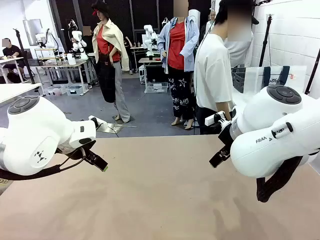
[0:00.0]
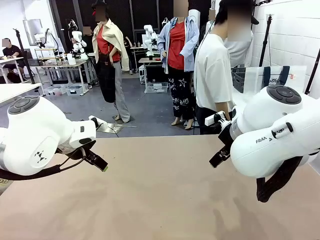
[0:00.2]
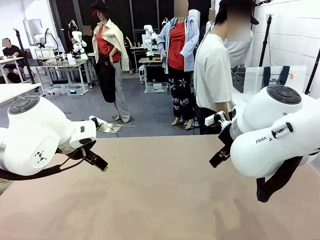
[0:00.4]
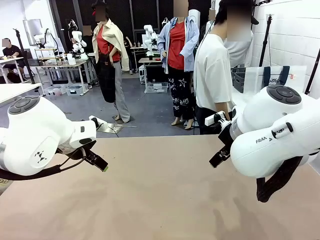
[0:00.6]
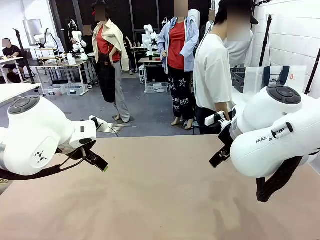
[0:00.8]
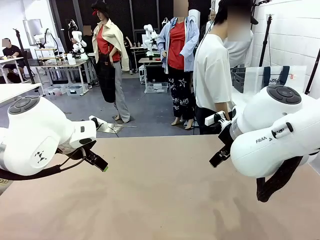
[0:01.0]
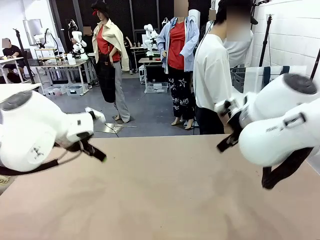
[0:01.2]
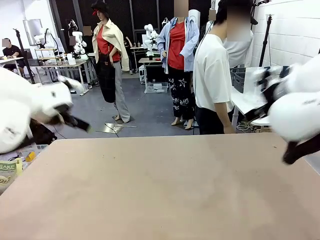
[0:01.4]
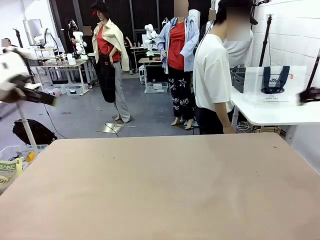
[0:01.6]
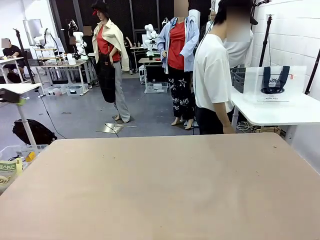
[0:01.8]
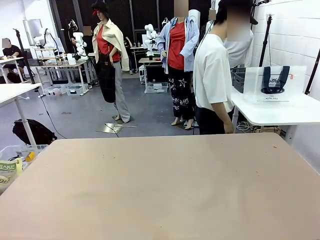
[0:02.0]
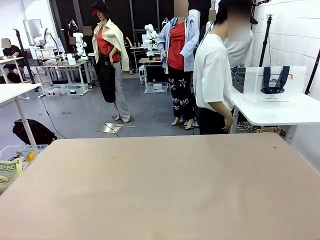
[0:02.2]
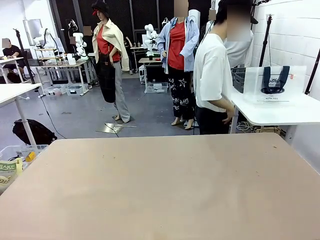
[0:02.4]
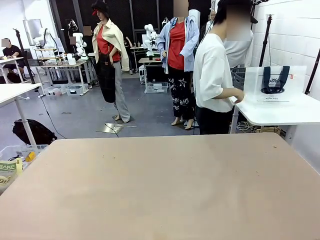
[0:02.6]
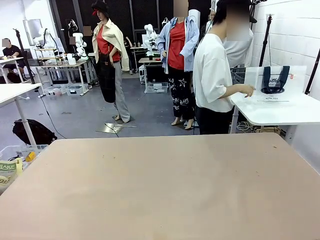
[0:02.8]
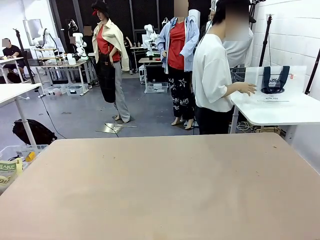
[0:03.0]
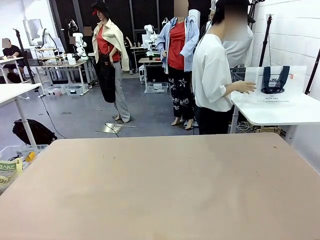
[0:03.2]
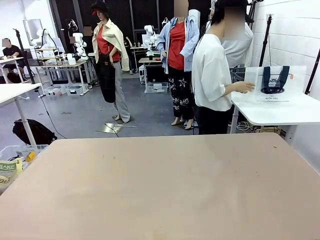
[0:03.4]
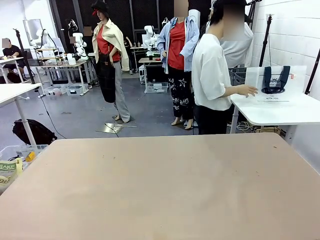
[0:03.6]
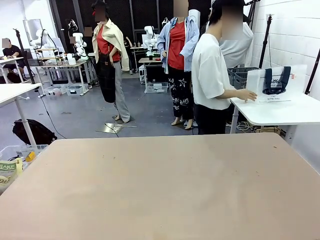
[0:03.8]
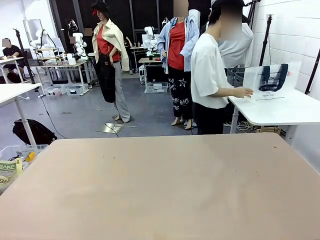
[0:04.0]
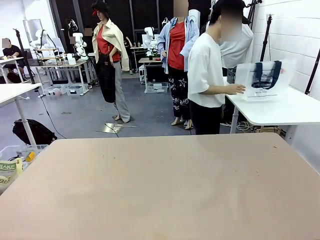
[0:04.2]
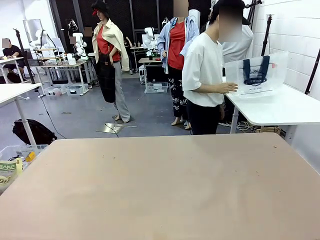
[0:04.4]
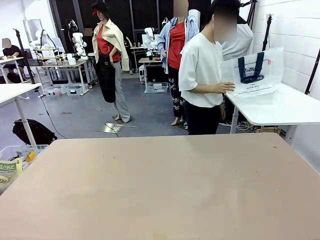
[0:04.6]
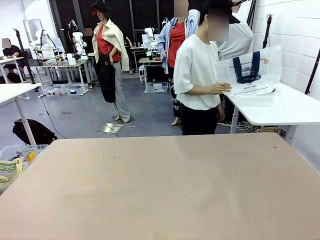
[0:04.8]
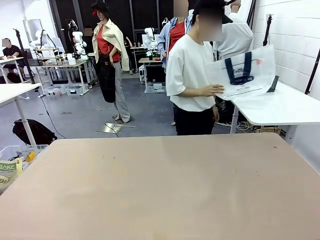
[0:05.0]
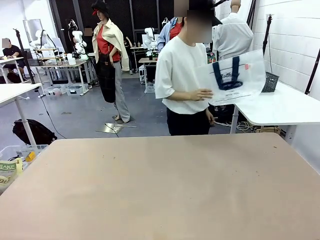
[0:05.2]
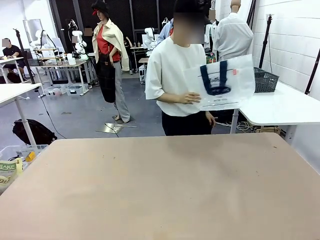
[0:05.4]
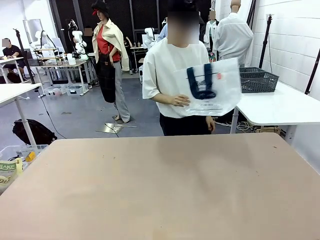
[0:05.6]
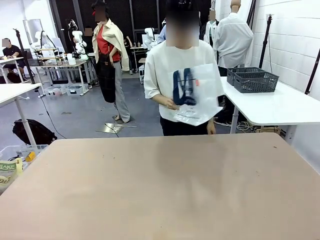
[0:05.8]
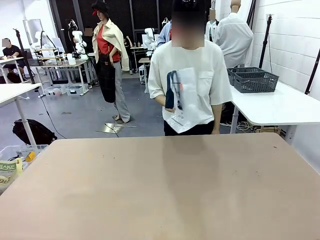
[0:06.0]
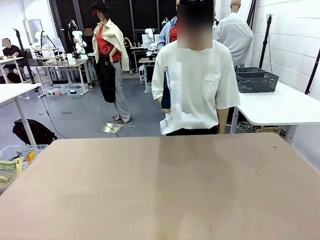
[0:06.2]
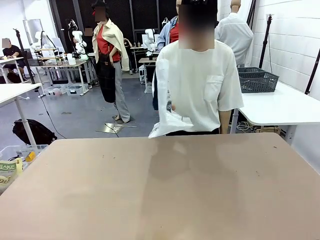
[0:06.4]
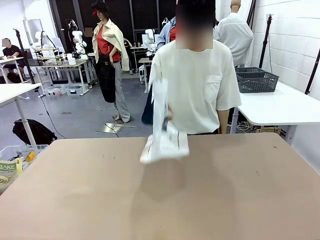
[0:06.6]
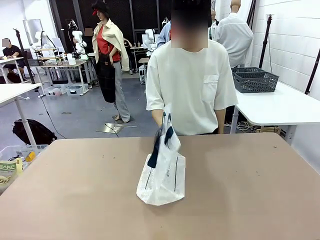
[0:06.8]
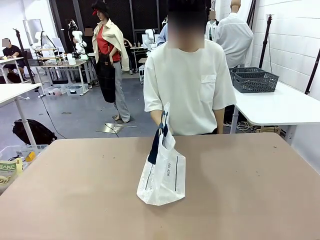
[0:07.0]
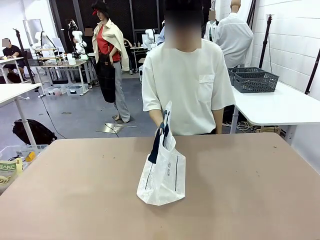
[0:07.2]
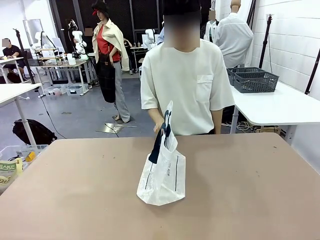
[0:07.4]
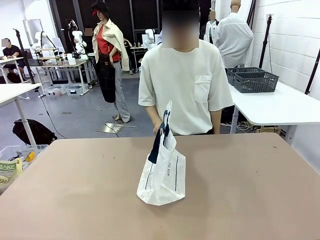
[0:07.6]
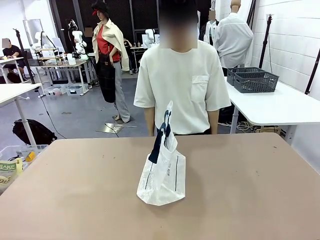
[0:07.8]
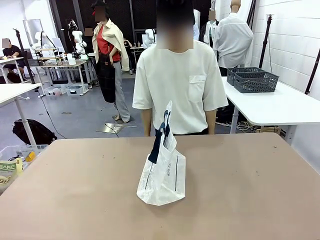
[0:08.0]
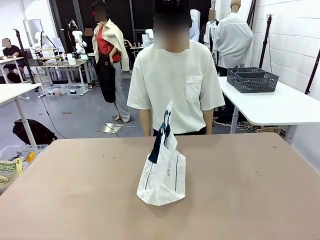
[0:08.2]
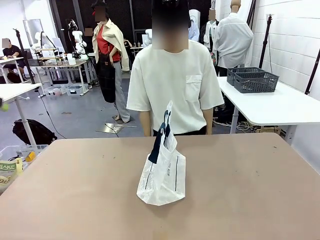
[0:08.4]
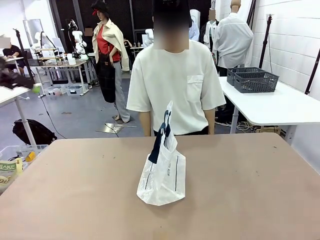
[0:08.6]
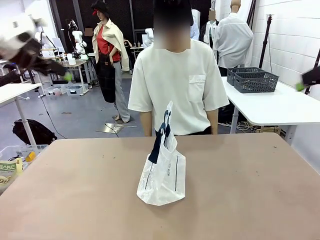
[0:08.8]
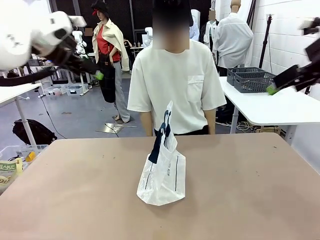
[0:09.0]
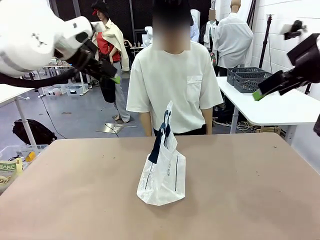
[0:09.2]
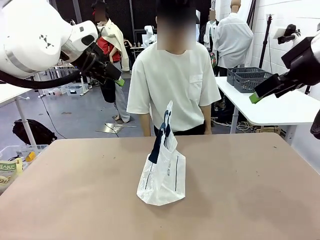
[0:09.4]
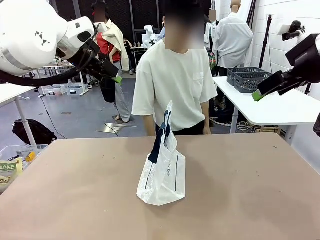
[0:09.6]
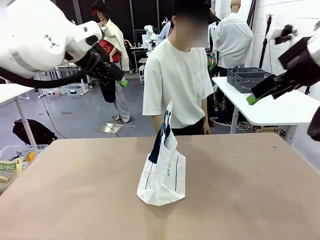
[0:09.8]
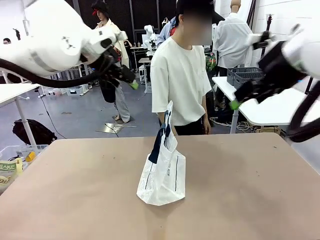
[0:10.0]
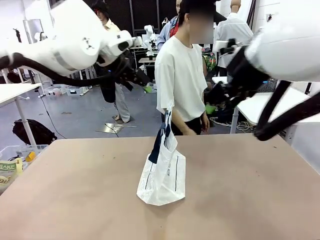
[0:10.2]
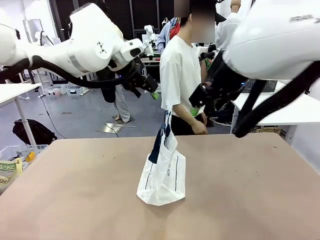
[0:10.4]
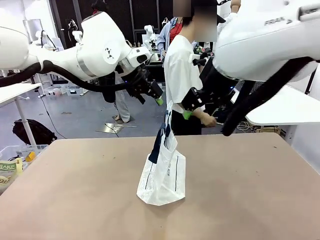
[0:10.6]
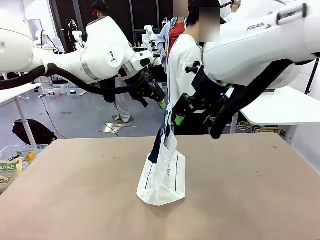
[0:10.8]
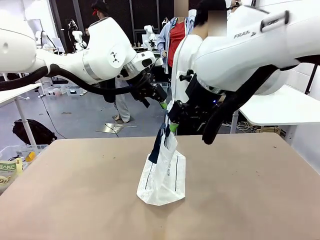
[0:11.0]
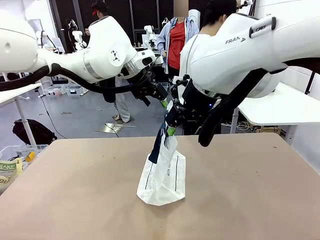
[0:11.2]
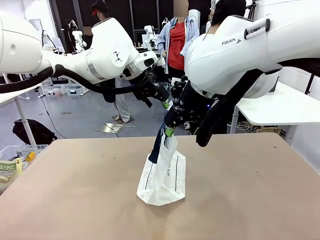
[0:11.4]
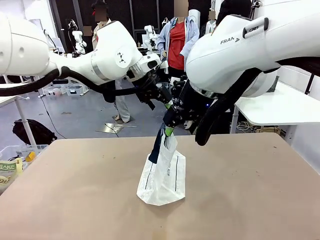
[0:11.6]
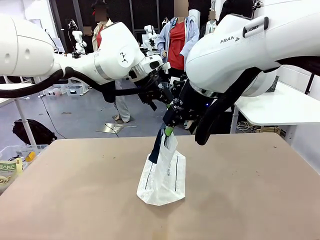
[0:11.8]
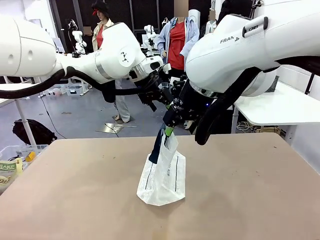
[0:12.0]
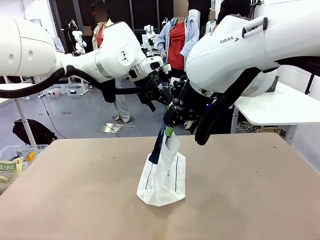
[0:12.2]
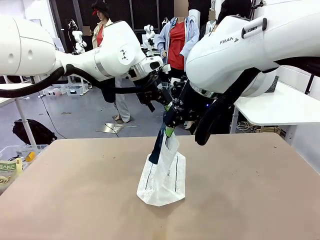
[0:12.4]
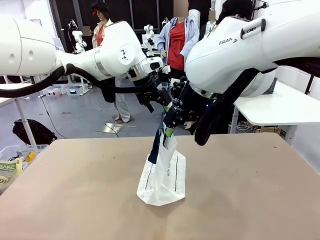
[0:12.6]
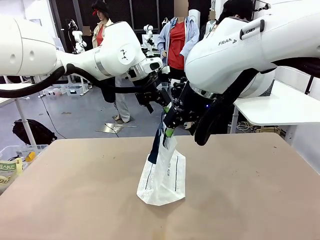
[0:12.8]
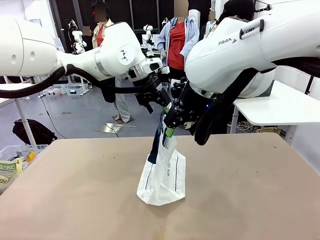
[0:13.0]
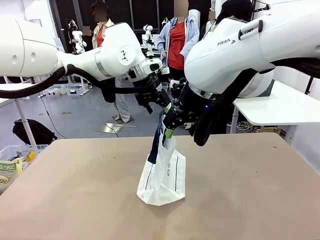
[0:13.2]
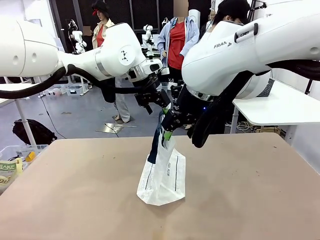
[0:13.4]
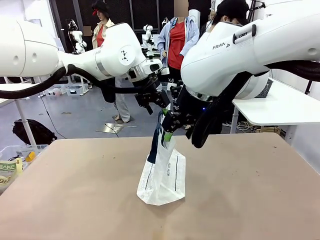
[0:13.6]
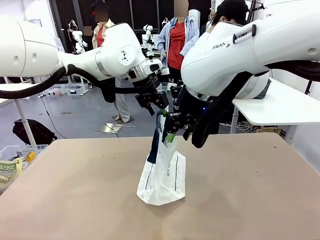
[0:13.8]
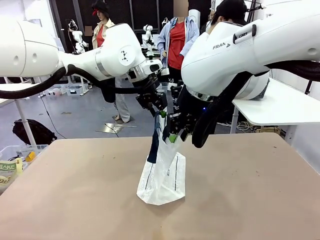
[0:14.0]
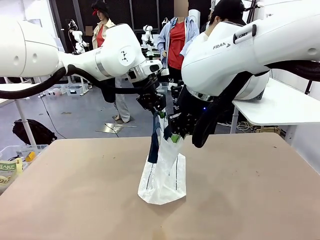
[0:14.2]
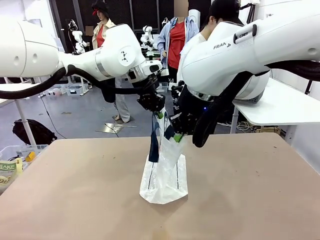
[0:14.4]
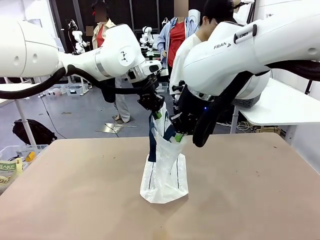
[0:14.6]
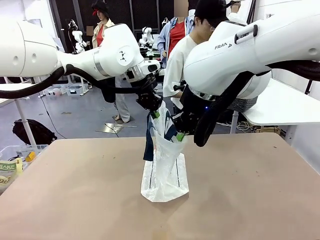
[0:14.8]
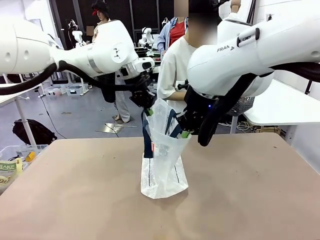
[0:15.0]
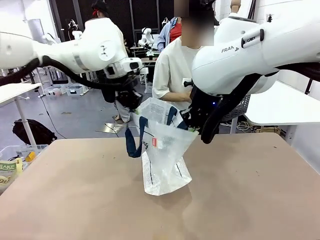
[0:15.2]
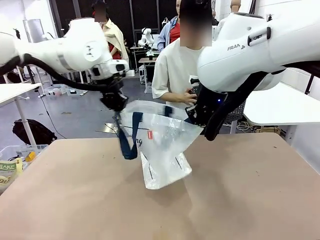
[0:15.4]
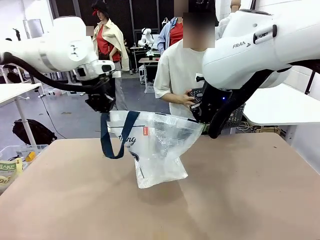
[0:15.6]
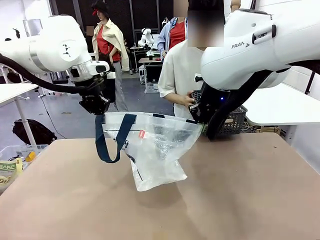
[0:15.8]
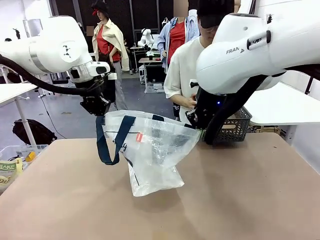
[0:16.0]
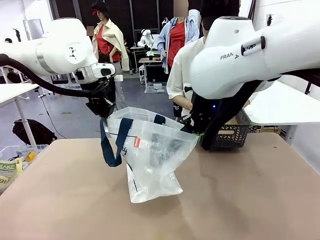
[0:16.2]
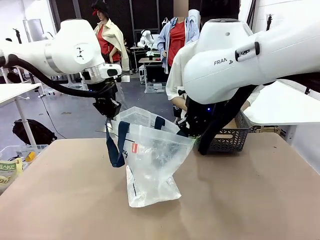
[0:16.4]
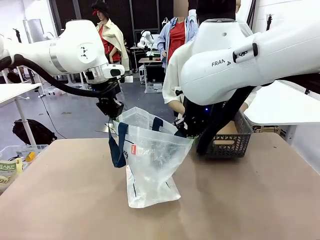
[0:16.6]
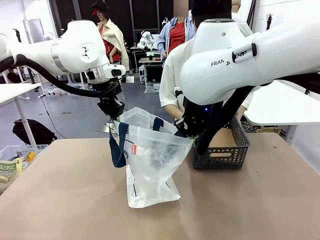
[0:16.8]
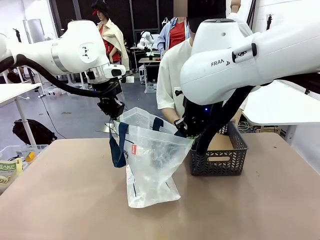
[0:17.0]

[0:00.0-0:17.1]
Task: Transfer purchased items from the store into the shopping bag.
Robot: Open the Reusable shopping bag in the center of the table.
Person: Pick up the shopping bag and place it in the middle of the robot table. Pick up the basket on the right, place it on the left side of the robot table, and move the items in the basket to the shopping bag.
